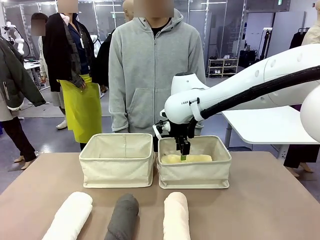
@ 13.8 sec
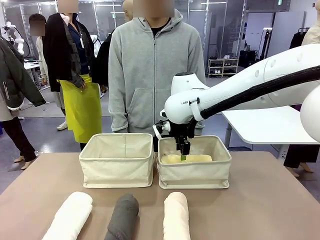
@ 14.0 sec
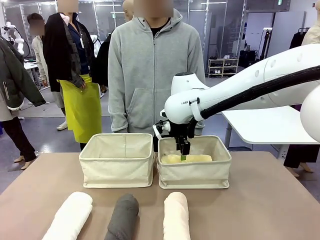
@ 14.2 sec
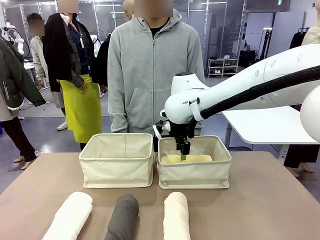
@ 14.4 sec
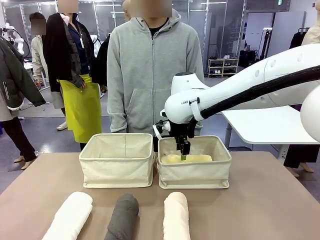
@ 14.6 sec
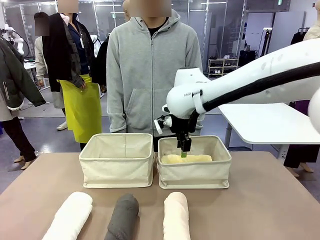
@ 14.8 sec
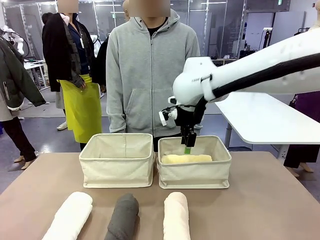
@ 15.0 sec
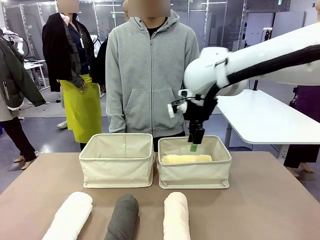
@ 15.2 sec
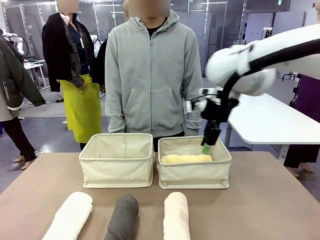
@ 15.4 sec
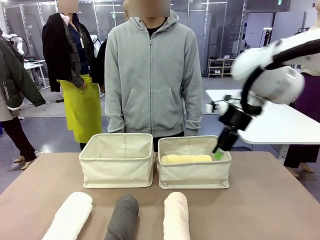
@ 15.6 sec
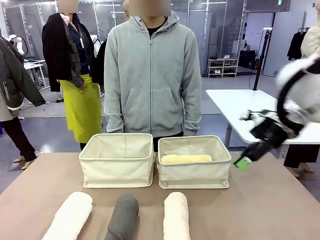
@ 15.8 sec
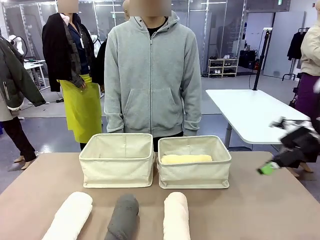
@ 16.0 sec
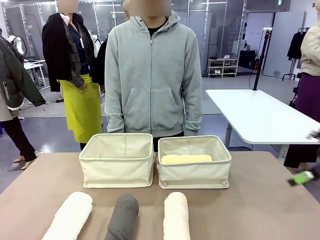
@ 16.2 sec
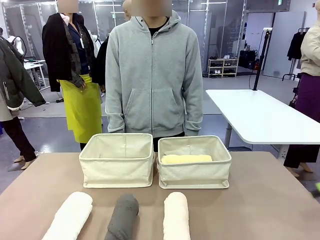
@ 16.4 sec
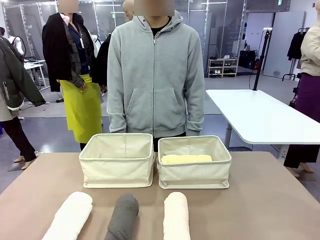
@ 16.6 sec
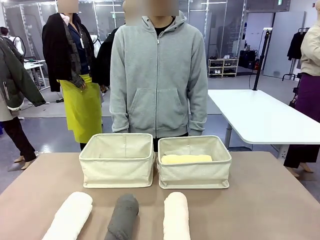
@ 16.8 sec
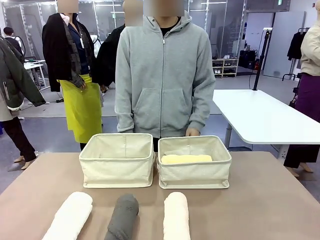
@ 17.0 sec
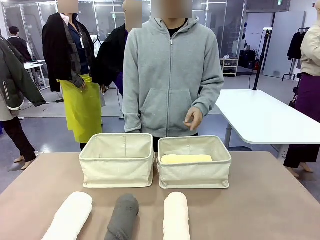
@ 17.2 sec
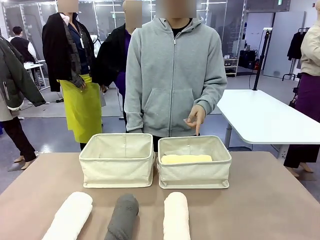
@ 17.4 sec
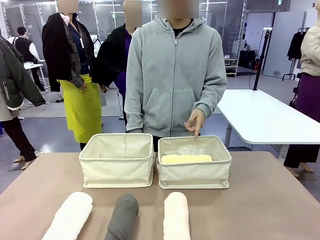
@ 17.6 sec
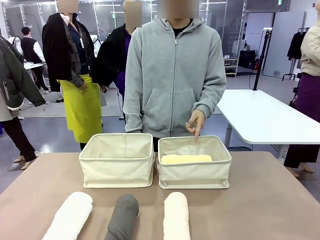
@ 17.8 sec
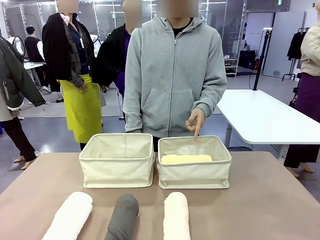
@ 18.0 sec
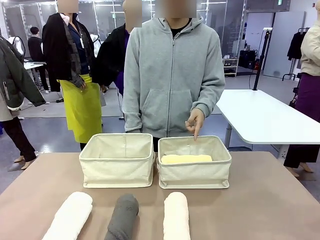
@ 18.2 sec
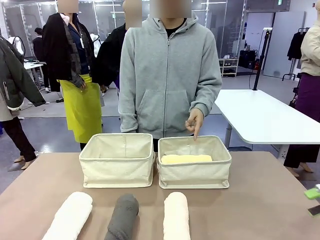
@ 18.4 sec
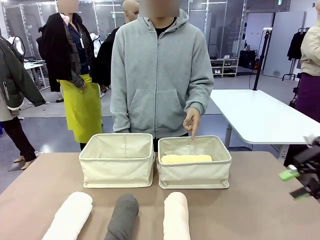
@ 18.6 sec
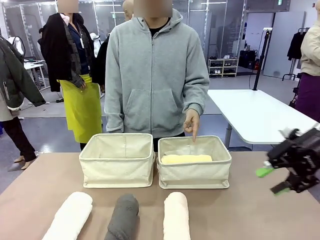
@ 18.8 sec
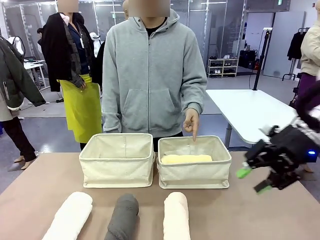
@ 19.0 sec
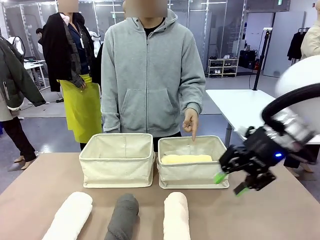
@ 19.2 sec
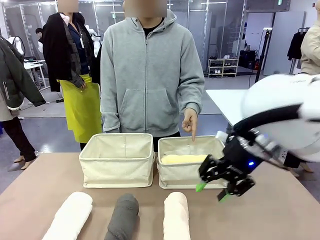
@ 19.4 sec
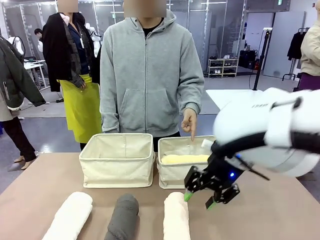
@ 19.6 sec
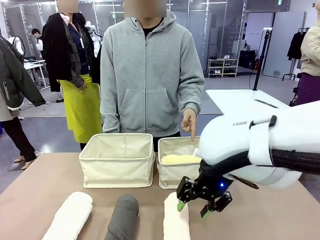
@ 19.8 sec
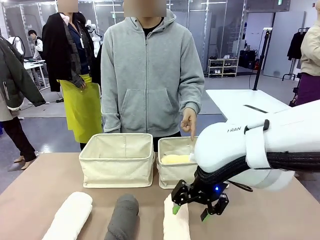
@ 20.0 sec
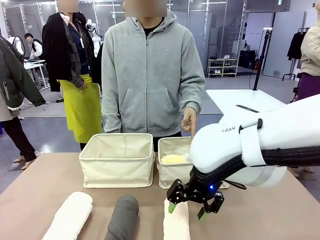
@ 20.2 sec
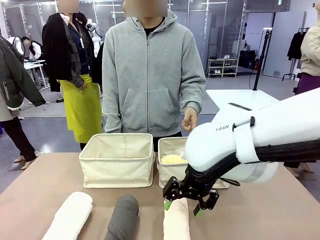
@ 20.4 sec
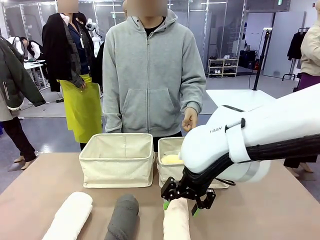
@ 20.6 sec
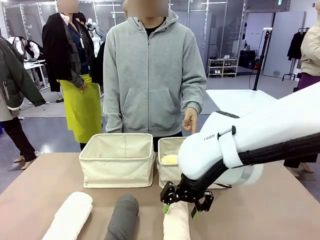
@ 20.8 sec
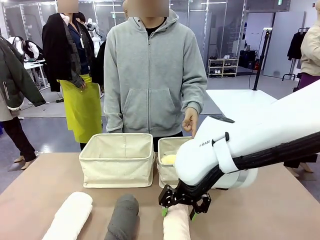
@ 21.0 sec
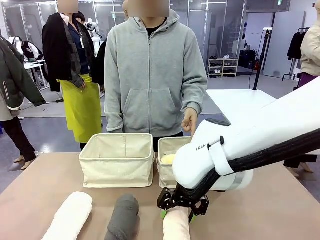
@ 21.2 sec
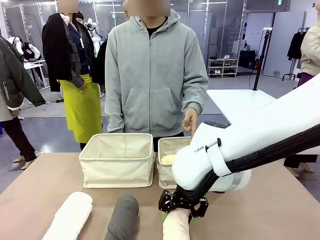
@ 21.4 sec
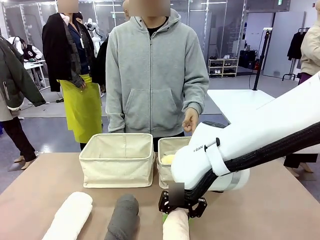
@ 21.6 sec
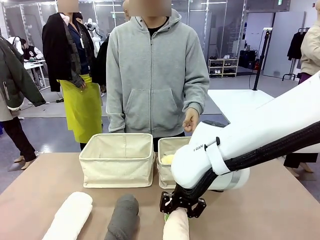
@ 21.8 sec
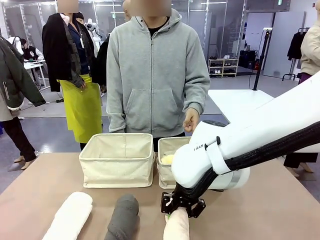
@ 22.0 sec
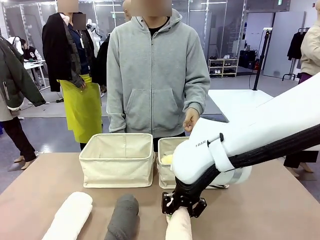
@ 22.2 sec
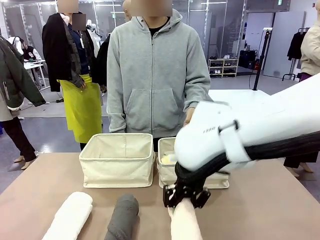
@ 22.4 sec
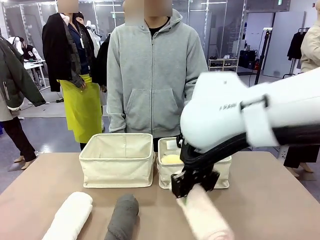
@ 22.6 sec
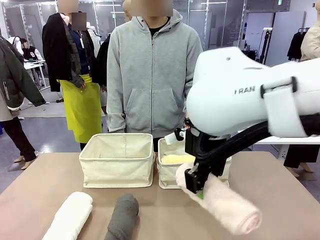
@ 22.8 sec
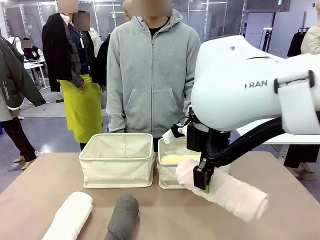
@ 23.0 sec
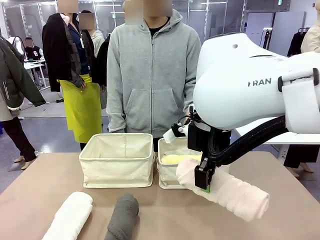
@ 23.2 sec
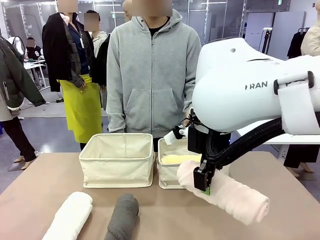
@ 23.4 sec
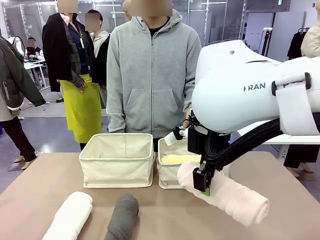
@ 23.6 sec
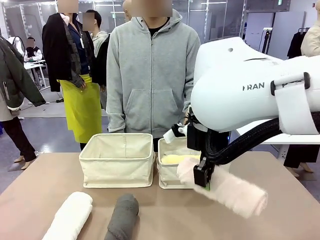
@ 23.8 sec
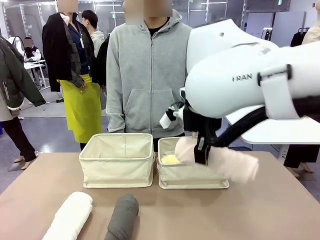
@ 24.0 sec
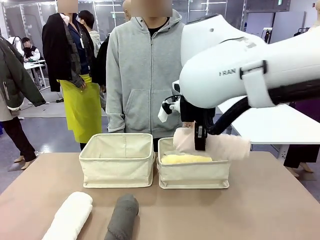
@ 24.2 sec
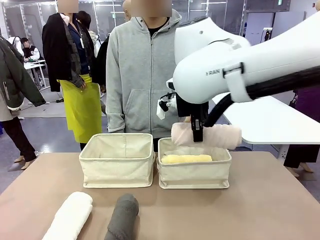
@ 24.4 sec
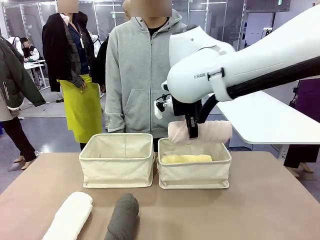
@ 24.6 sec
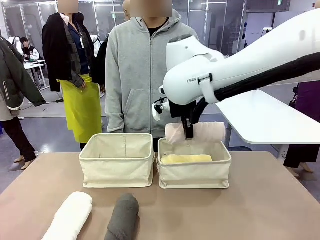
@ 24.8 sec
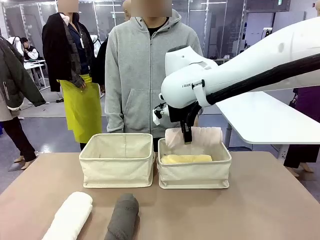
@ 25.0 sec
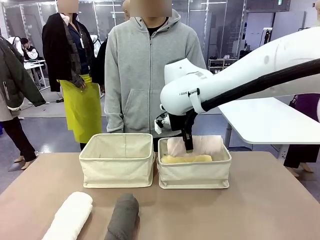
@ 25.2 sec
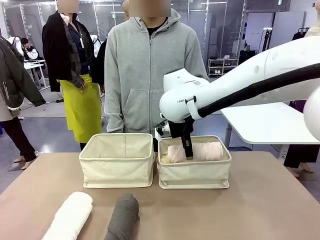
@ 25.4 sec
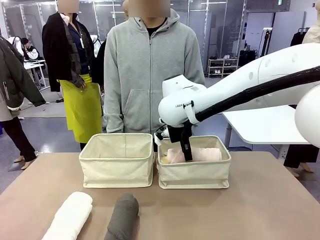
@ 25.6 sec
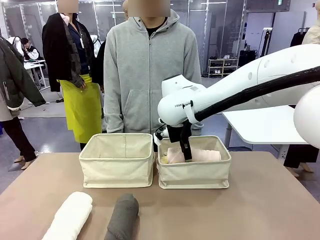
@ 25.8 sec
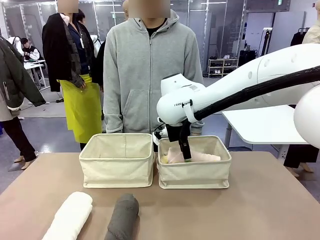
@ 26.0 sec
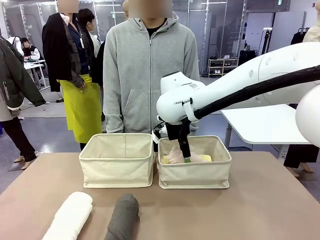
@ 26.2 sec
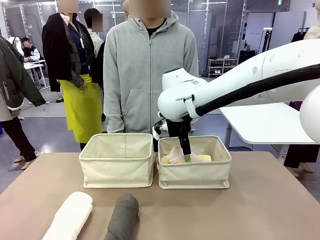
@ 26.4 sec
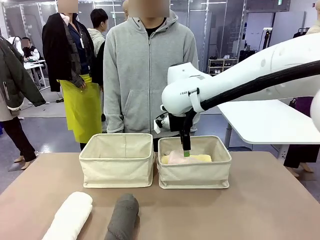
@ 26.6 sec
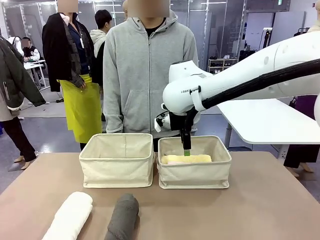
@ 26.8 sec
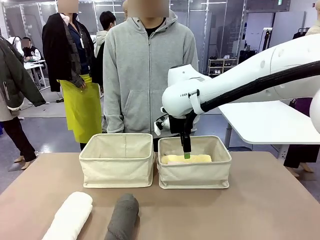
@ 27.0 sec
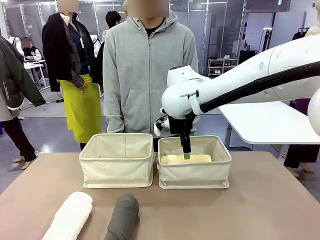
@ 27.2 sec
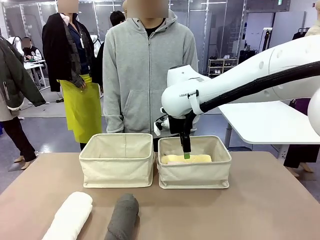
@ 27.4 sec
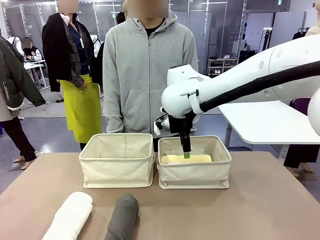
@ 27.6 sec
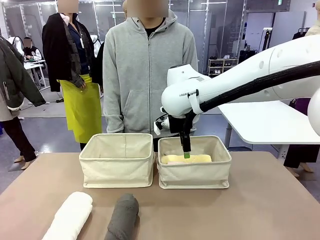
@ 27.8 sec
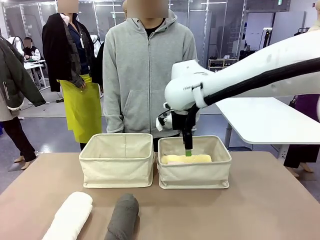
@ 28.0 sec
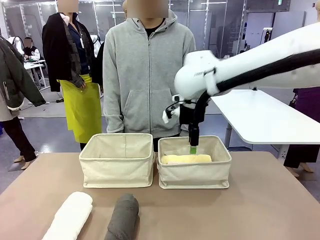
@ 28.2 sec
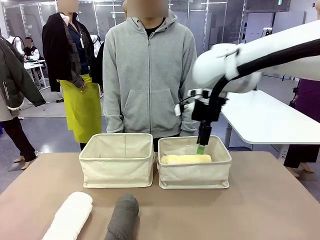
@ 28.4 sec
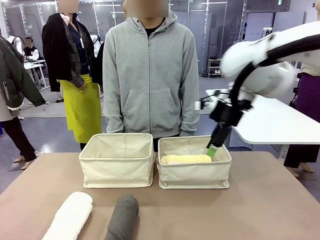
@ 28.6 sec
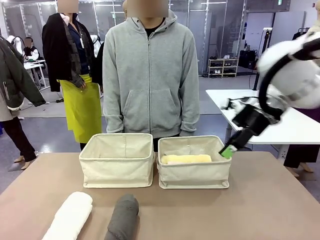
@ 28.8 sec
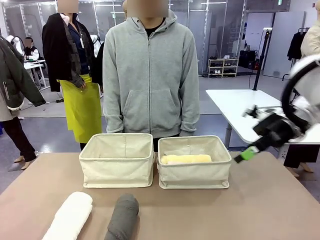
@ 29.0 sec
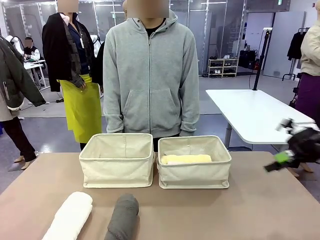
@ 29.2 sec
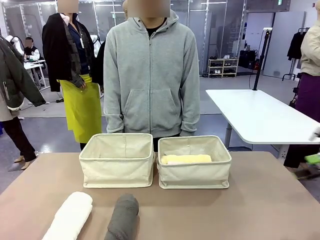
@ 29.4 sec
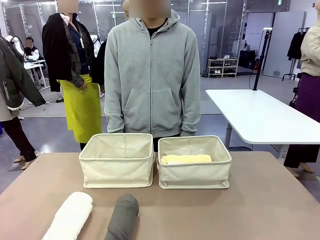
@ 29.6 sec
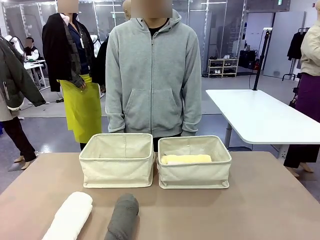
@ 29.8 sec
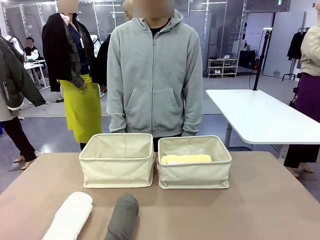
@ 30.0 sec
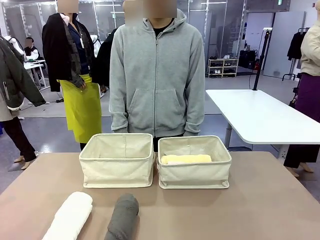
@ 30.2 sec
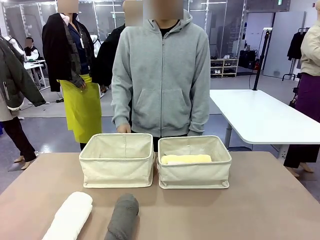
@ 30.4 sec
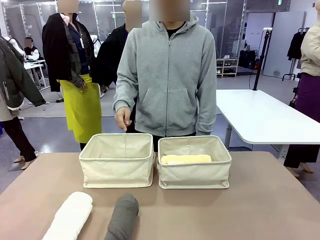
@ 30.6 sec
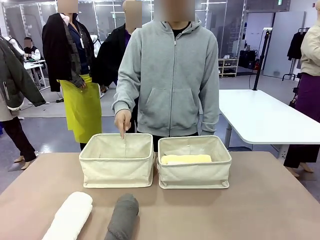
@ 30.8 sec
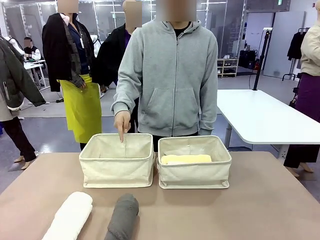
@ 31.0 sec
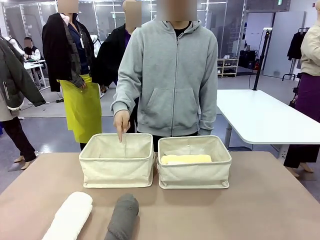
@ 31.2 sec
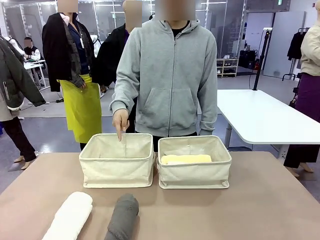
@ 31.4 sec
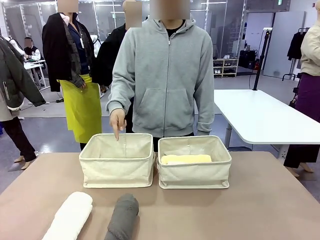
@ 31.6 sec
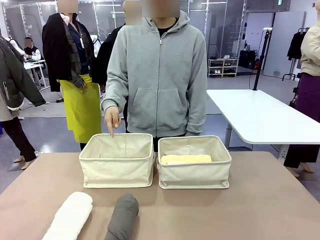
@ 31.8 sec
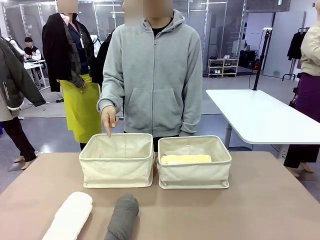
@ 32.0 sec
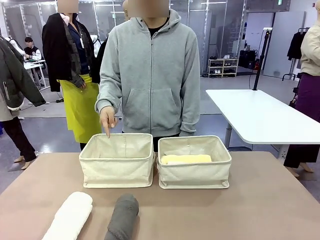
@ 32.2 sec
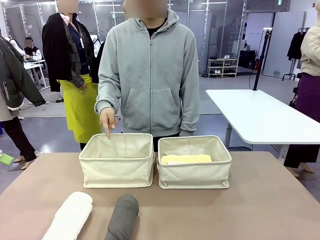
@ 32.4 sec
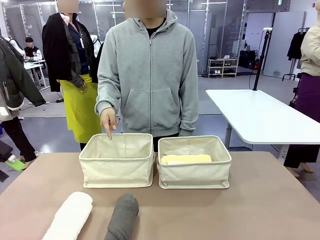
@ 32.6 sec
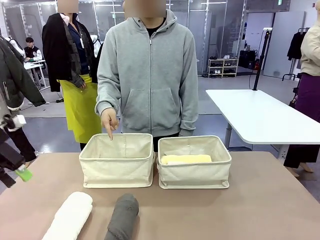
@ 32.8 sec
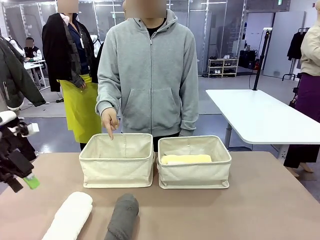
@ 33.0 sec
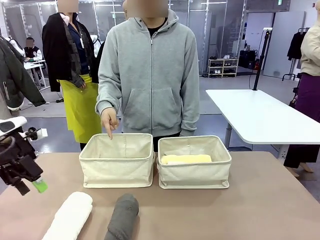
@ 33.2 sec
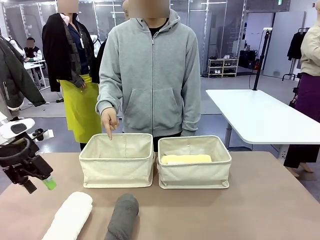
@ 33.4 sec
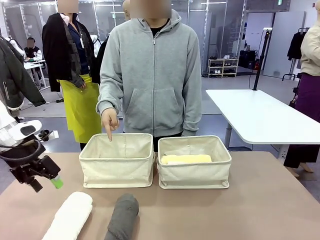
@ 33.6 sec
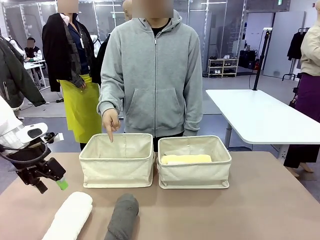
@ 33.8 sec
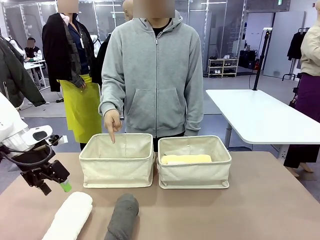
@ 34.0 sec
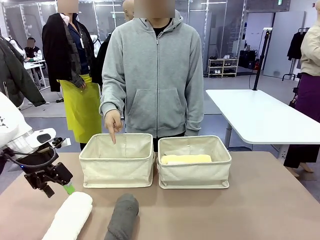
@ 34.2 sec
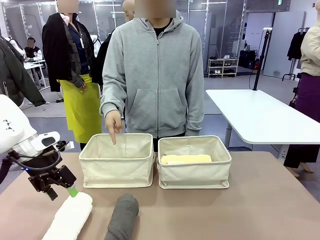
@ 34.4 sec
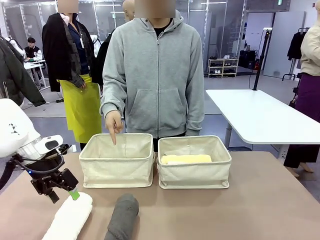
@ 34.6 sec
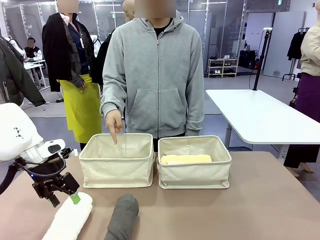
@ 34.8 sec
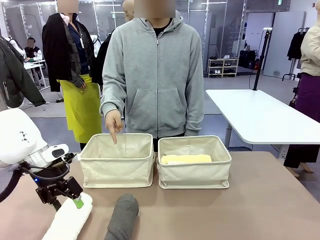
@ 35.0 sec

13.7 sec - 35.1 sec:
Task: Divide the towels into two baskets.
Robot: Pick up one hotel-folded towel from the bottom of the table and place it in the Fabric basket indicated by the person.
